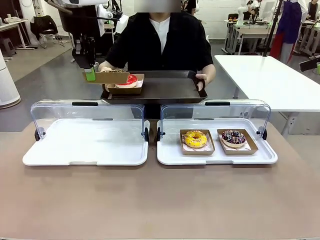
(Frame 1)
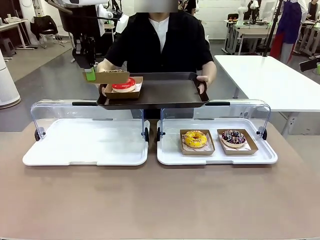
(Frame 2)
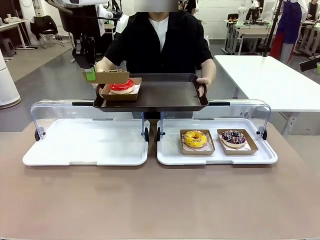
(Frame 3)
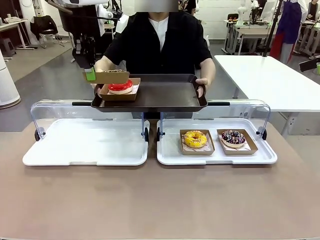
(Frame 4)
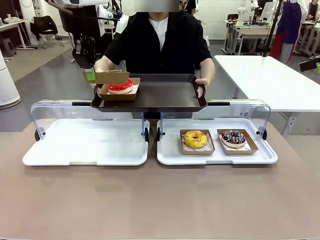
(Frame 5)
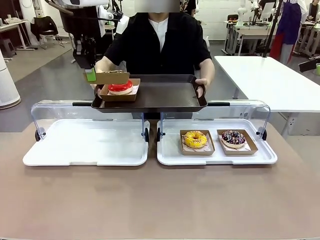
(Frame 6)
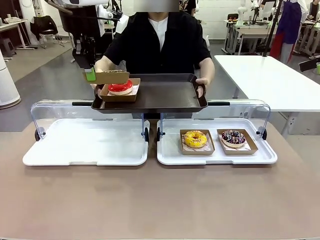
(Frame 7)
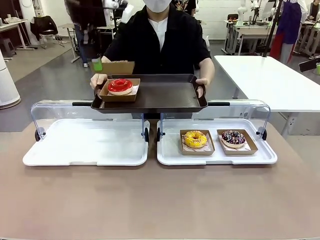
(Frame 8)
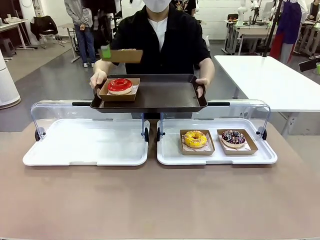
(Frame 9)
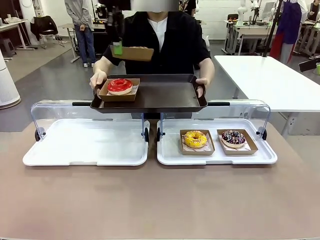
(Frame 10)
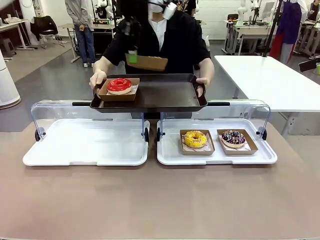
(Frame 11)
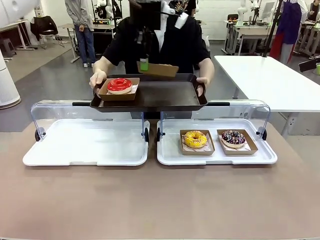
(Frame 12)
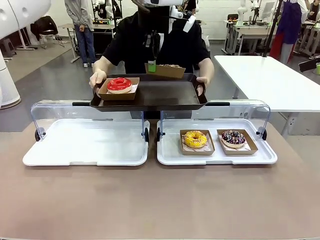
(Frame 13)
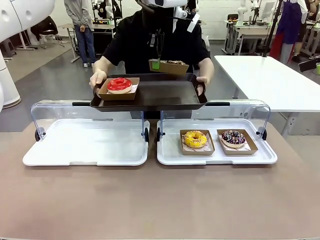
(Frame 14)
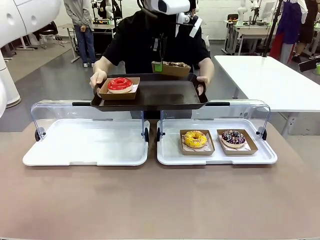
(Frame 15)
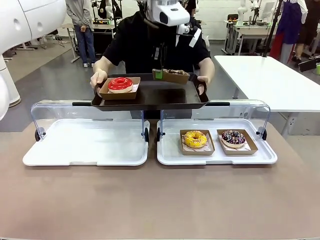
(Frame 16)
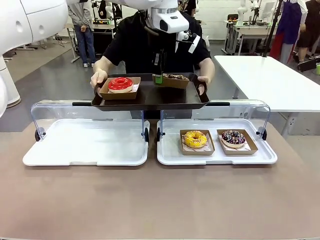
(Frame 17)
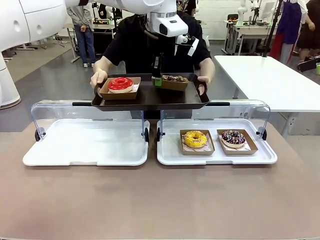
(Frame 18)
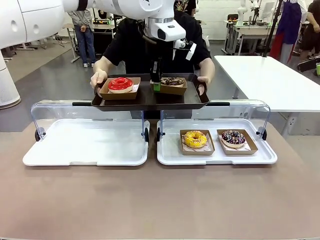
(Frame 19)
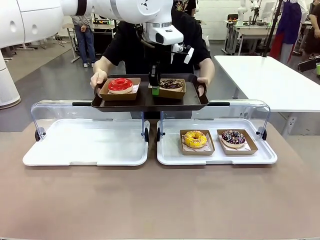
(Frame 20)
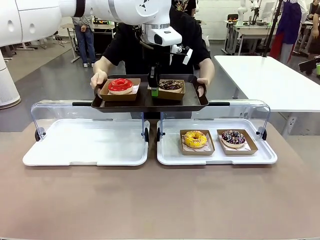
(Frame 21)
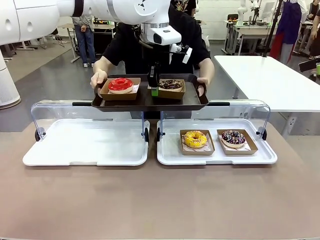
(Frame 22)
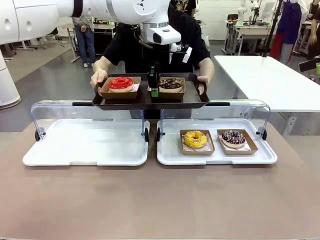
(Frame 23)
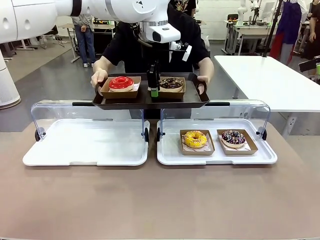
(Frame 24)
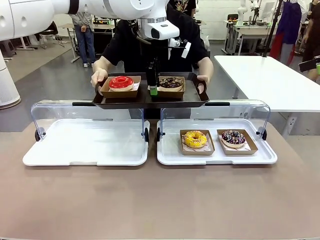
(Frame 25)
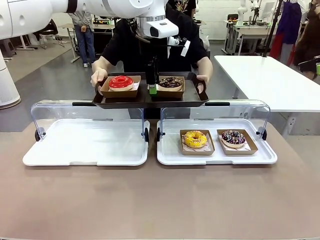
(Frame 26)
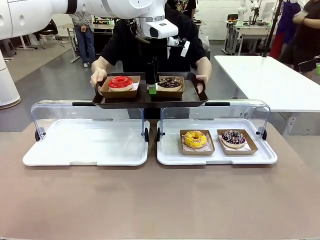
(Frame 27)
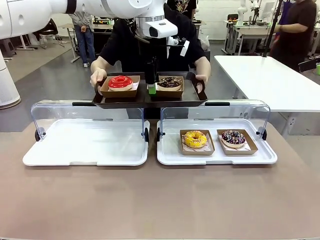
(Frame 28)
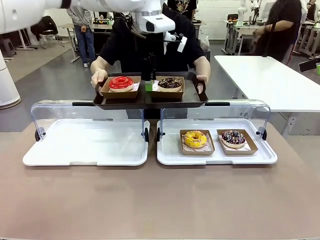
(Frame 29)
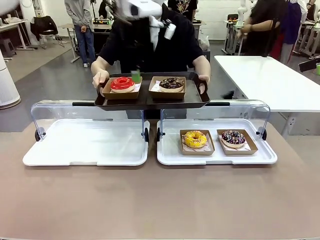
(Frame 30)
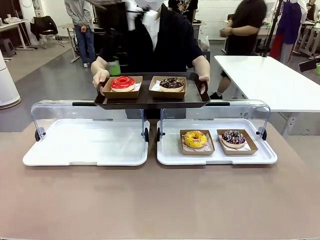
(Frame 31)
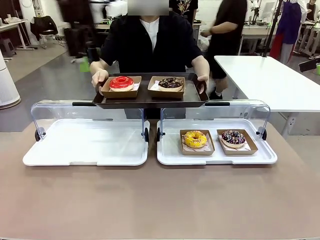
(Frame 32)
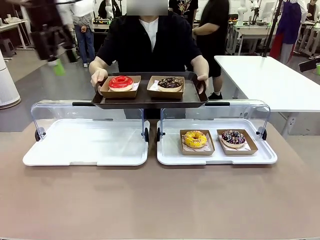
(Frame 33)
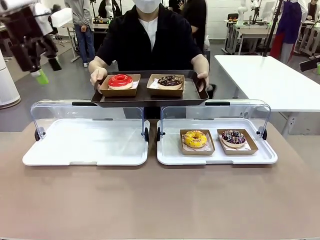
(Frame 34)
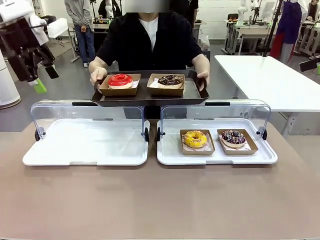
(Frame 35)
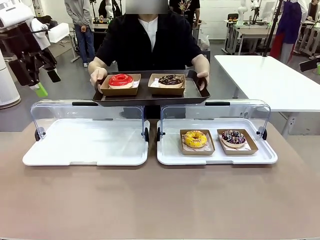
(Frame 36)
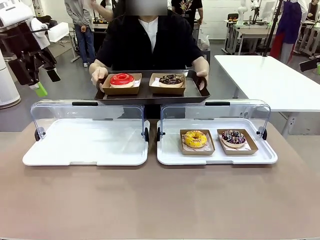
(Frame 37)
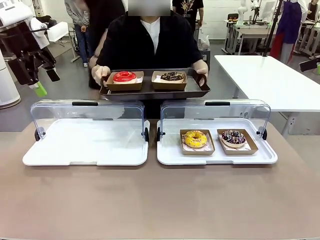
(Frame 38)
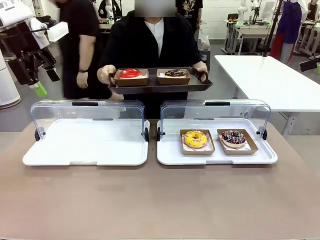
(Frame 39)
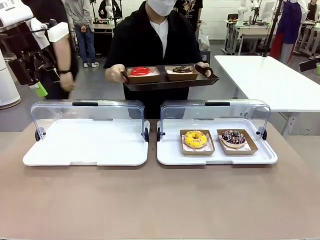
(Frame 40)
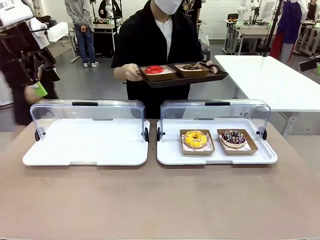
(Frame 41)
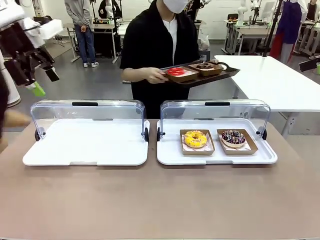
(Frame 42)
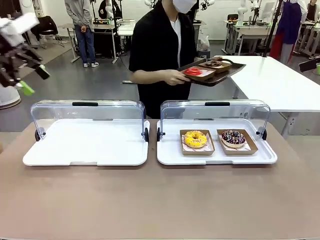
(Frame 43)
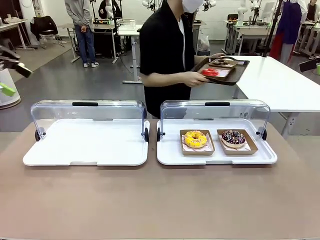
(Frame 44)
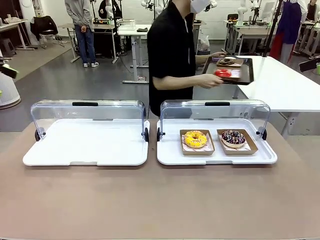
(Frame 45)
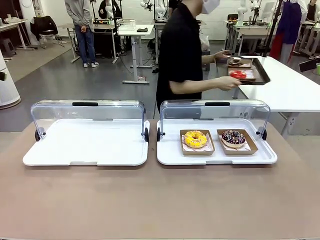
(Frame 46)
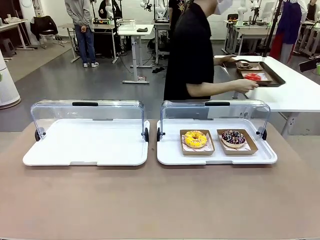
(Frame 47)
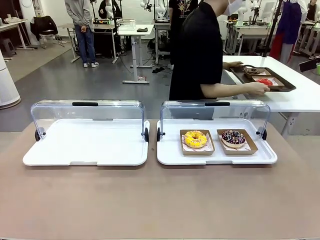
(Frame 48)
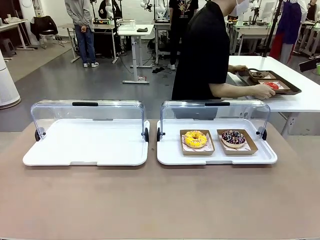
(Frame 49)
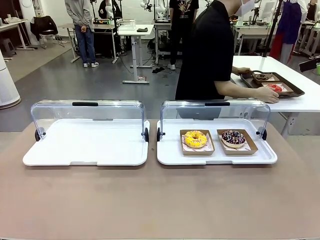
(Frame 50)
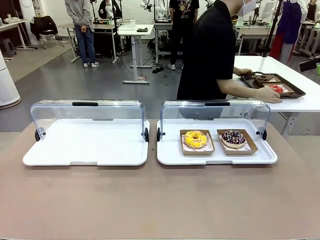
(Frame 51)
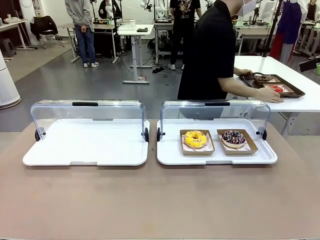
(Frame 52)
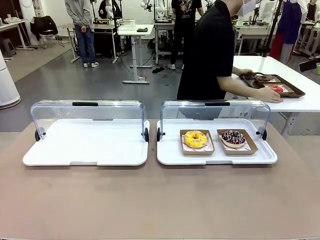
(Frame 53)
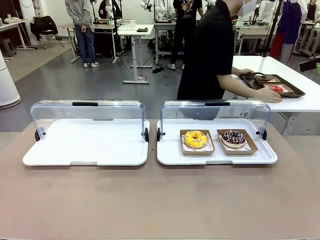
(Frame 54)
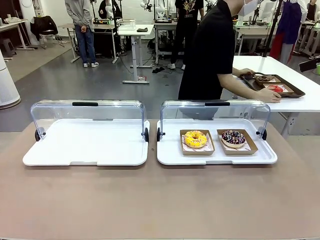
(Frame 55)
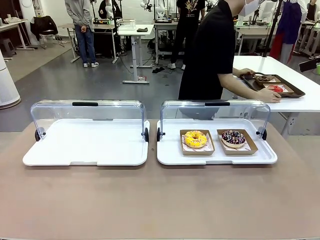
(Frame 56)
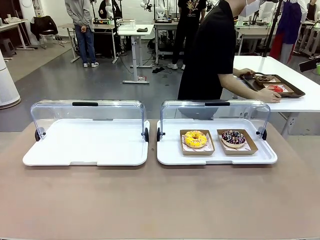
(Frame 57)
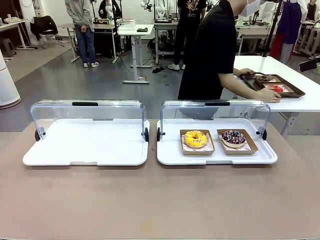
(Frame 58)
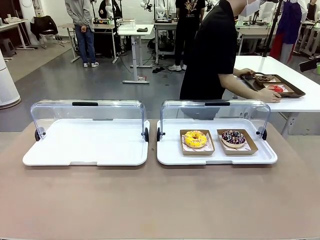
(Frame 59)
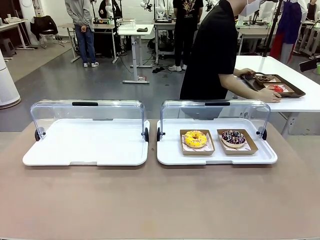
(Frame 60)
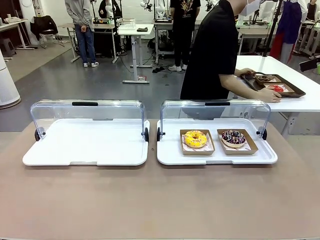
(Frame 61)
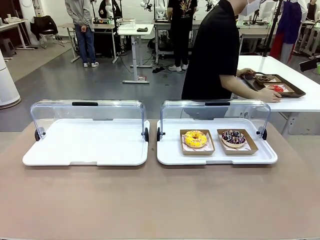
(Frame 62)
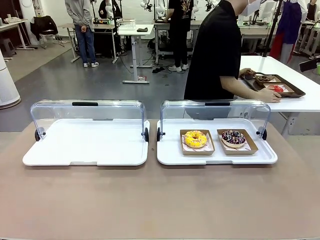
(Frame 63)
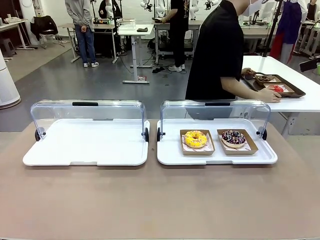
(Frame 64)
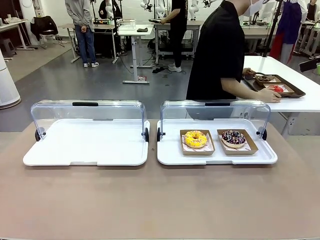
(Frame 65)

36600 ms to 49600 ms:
Task: Provide the desired donut to the person.
Robot: Place the picked Paper togo box onto the Handle tray extended by the person.
Person: Place the tray in the middle of the human table.

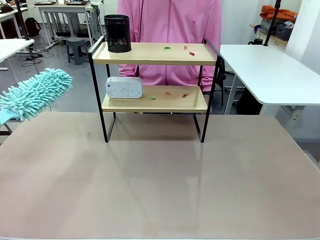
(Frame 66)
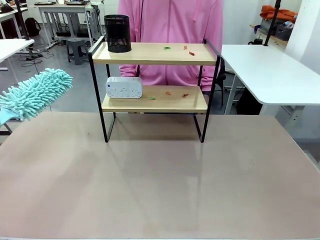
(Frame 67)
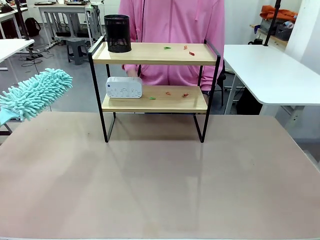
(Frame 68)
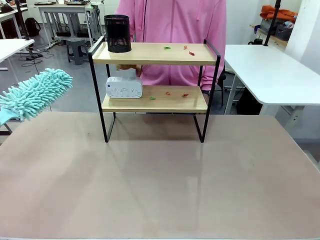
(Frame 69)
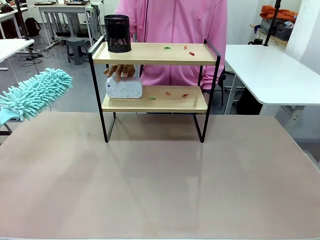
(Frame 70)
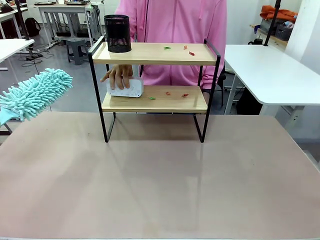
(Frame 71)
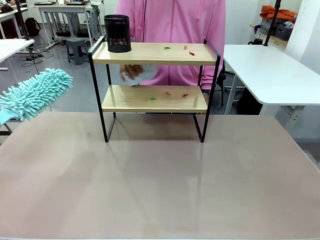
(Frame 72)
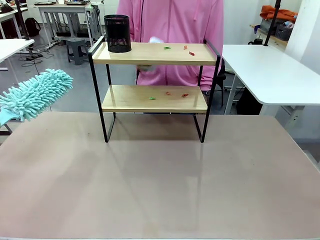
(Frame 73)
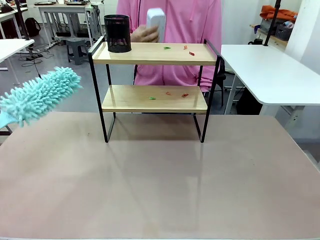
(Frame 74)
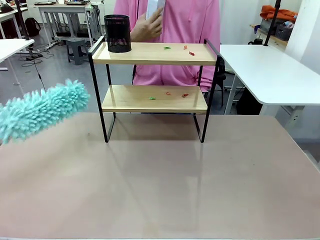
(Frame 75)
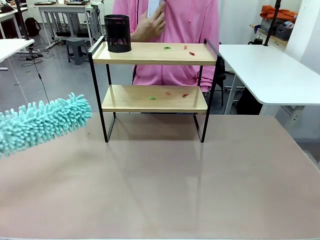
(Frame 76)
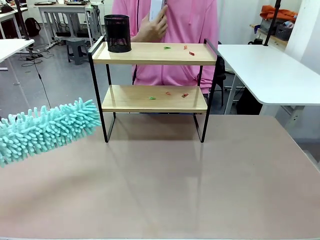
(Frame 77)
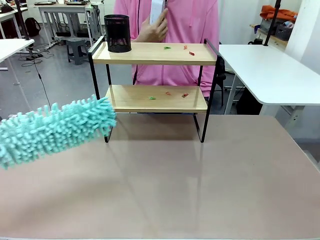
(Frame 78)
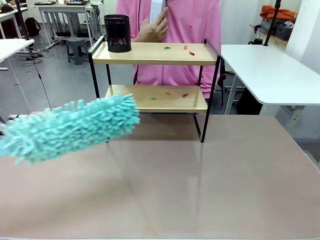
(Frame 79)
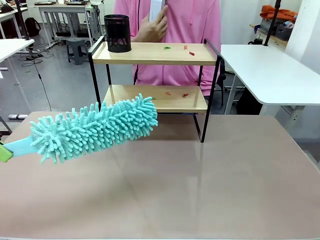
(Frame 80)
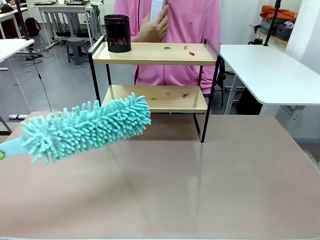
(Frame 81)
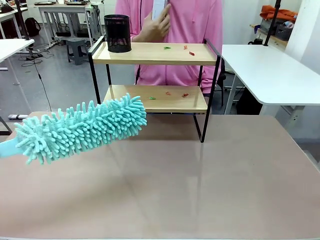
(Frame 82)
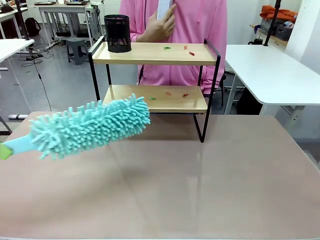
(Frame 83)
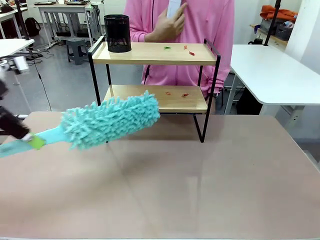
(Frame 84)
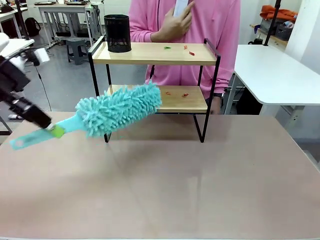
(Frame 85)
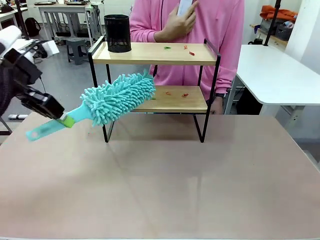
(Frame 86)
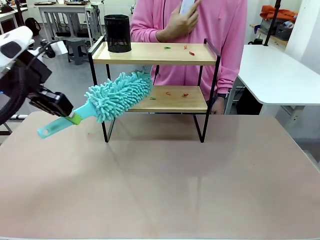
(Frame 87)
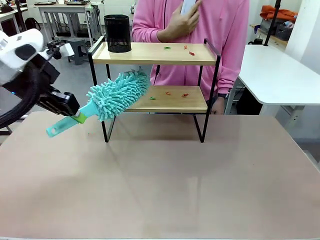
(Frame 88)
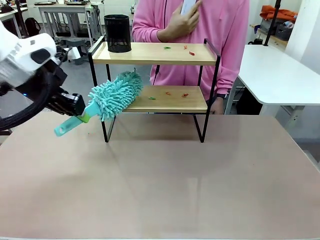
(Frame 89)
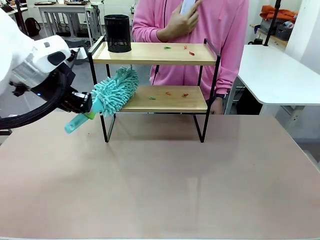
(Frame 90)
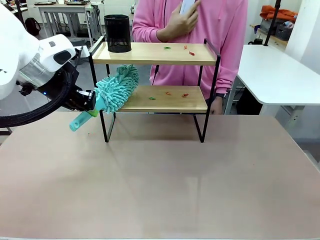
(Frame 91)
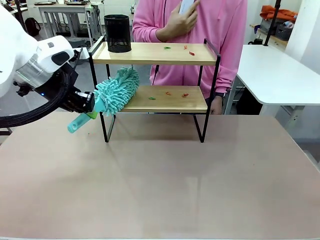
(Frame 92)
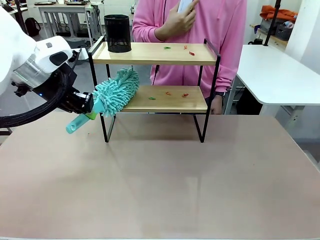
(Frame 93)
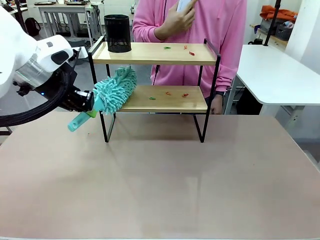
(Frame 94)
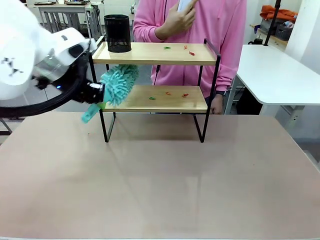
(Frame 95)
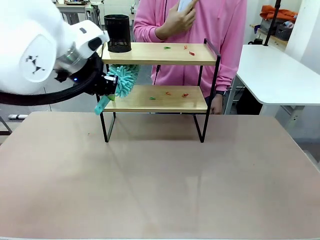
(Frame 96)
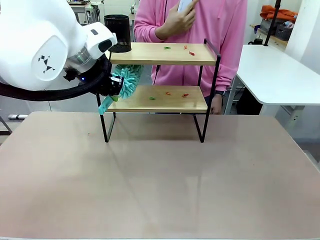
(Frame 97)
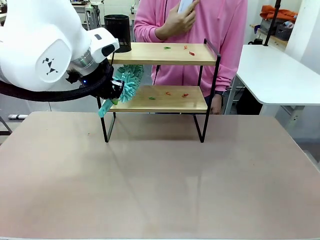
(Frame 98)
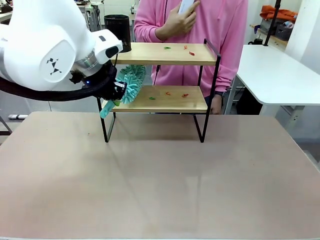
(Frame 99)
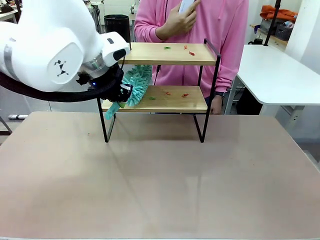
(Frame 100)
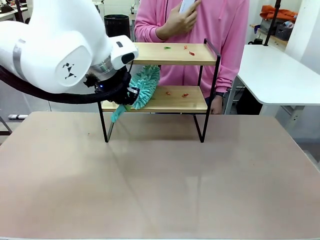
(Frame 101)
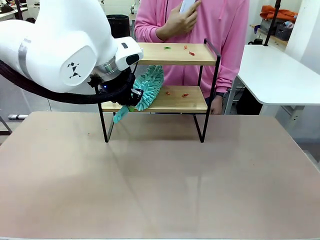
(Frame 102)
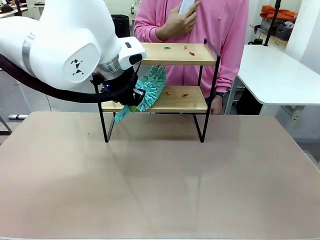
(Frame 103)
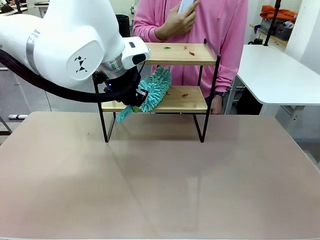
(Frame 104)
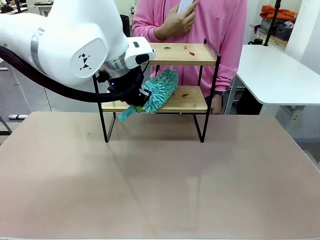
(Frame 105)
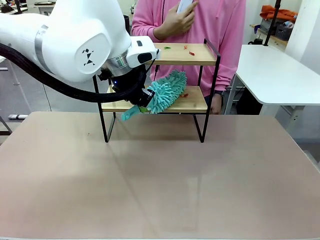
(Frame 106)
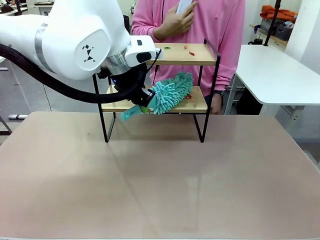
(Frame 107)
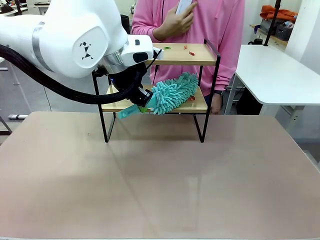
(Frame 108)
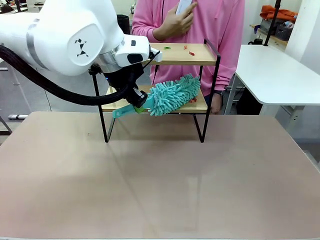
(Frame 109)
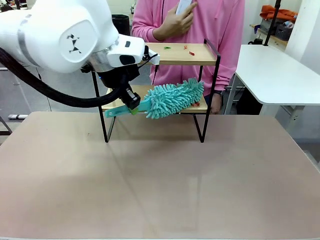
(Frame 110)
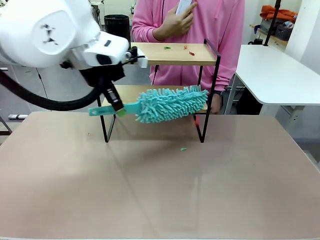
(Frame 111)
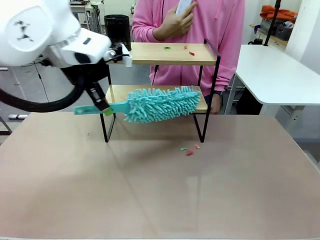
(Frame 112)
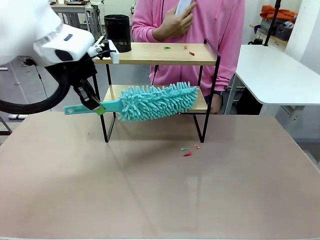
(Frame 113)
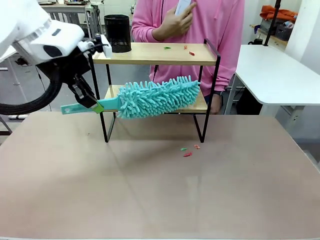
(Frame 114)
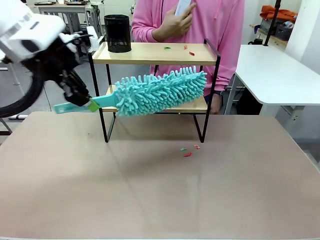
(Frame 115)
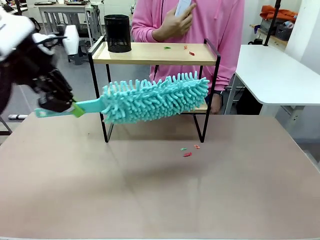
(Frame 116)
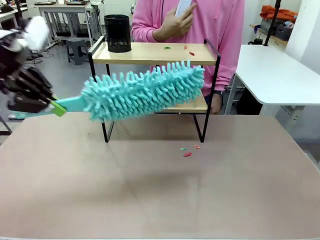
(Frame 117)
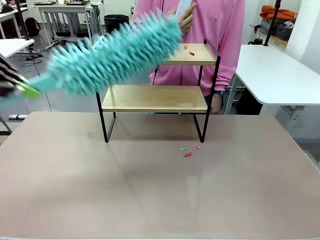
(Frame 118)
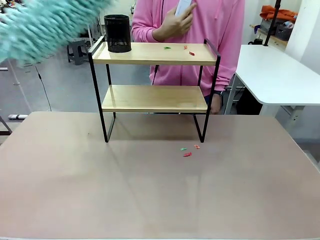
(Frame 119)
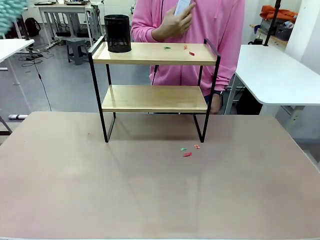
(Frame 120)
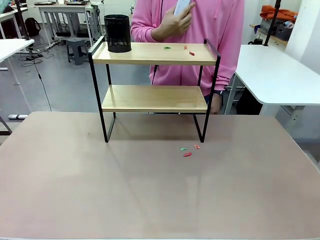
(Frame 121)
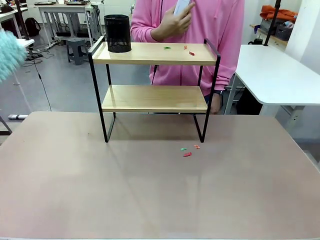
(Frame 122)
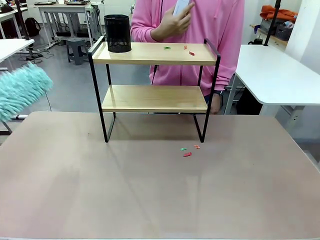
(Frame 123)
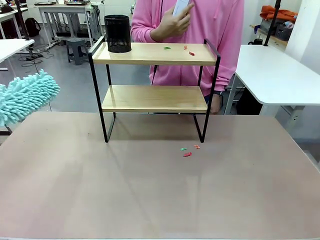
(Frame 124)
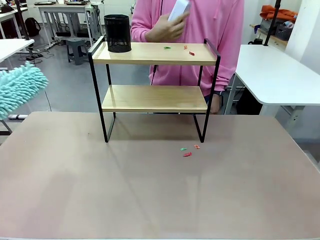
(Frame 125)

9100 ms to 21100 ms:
Task: Clean the shelf.
Robot: Clean the specific tier of the Shelf with the Duster once objects are removed.
Person: Lift the objects on a randomly selected tier of the Shelf. Once the robot finishes cleaning, lift the objects on the remaining tiers of the Shelf.
